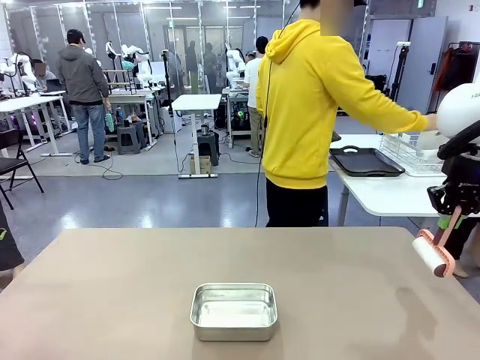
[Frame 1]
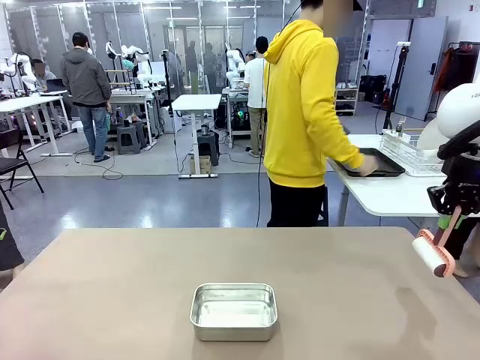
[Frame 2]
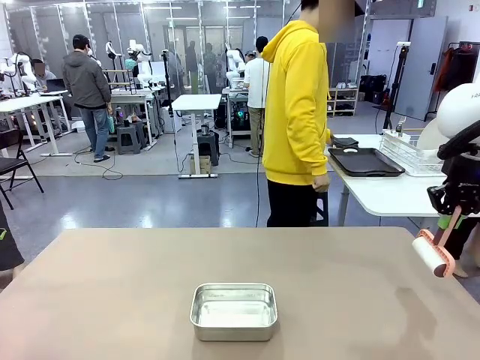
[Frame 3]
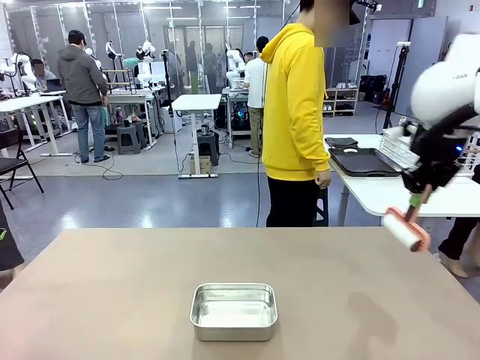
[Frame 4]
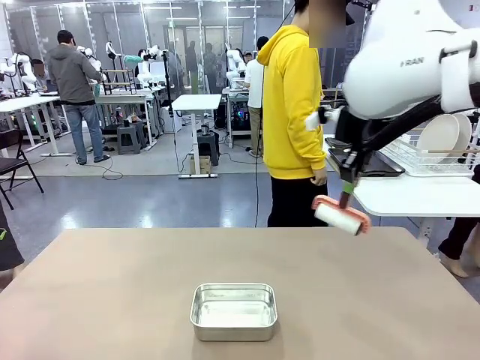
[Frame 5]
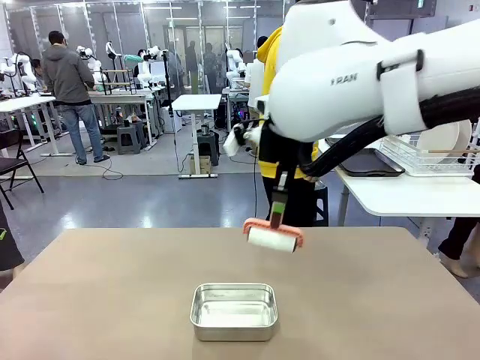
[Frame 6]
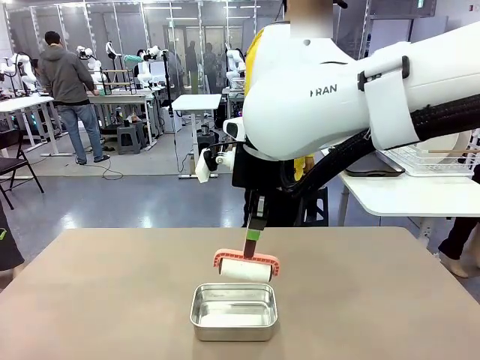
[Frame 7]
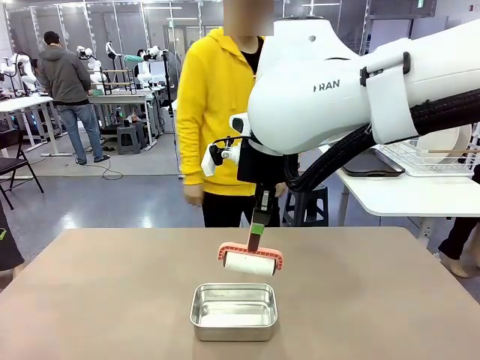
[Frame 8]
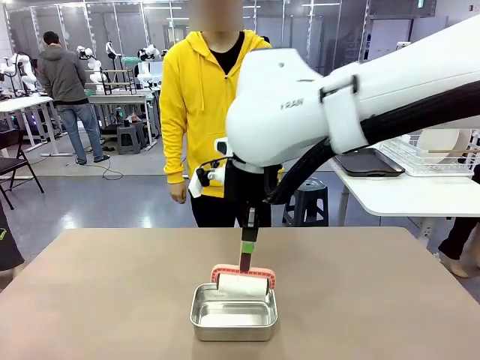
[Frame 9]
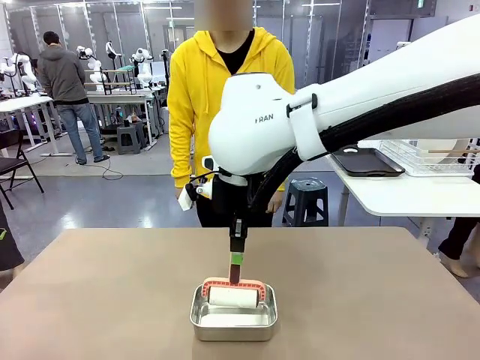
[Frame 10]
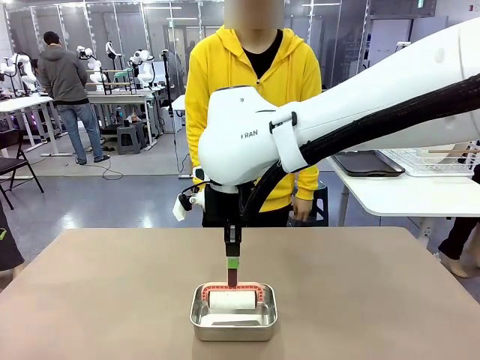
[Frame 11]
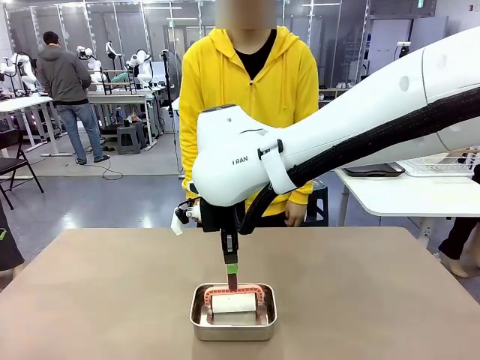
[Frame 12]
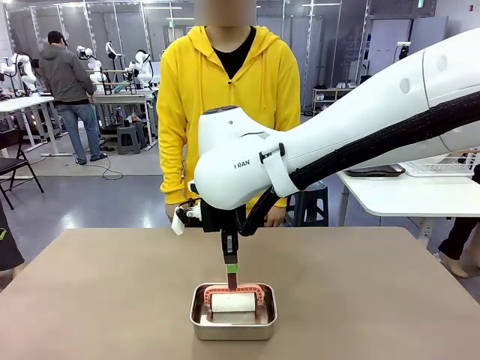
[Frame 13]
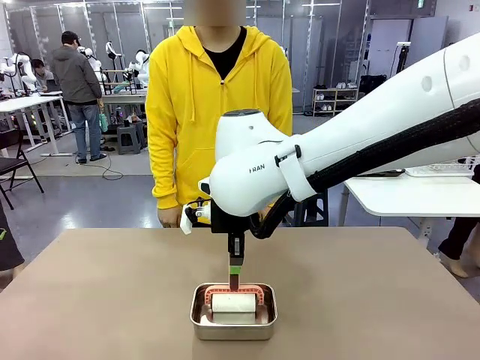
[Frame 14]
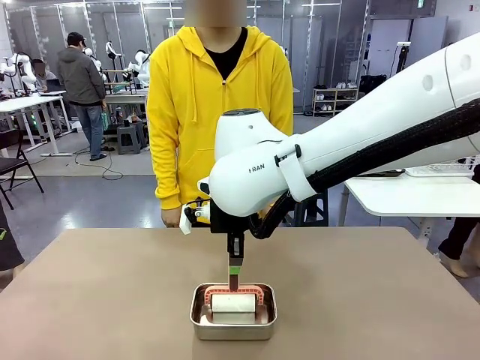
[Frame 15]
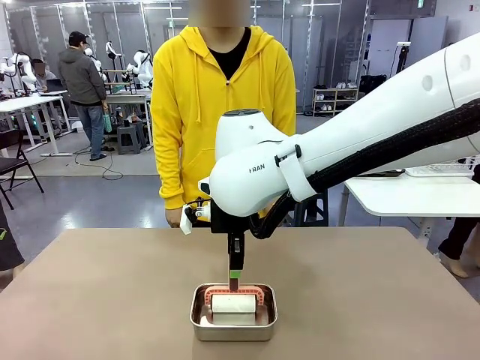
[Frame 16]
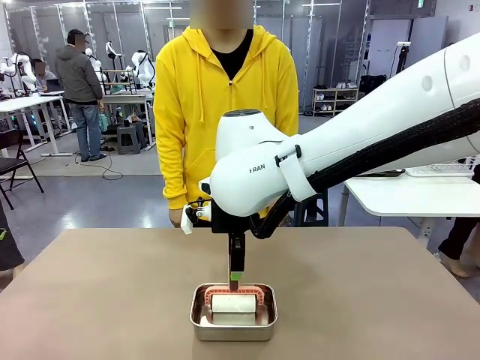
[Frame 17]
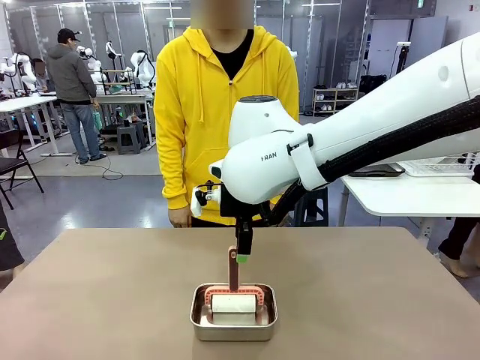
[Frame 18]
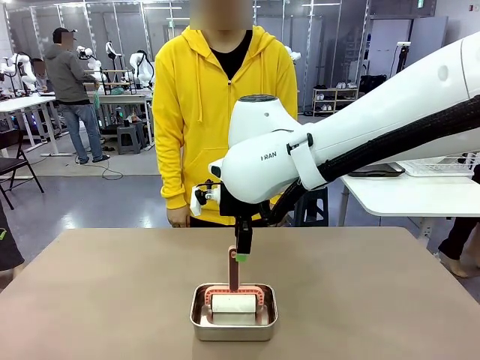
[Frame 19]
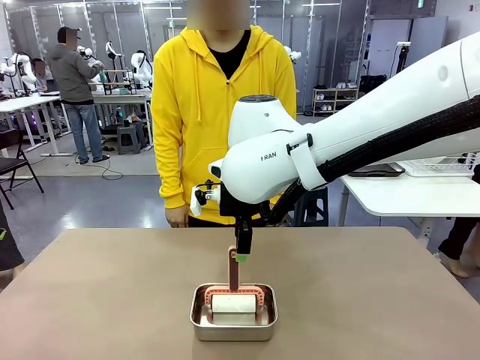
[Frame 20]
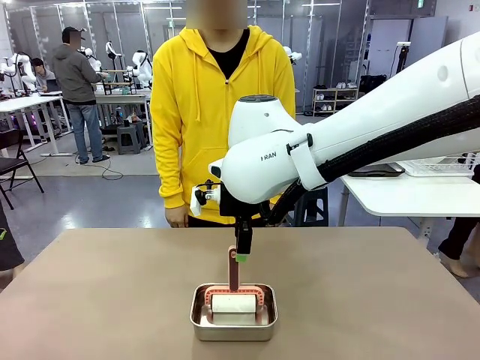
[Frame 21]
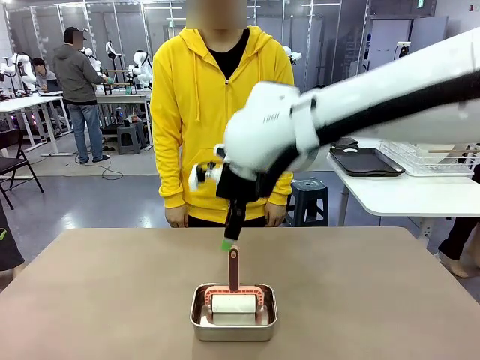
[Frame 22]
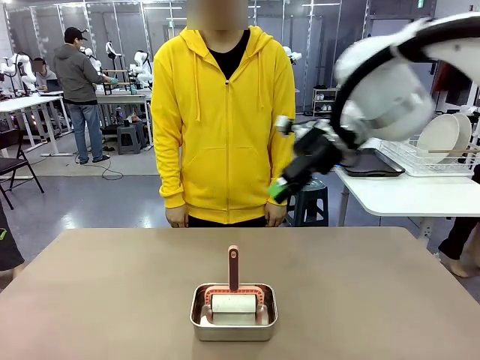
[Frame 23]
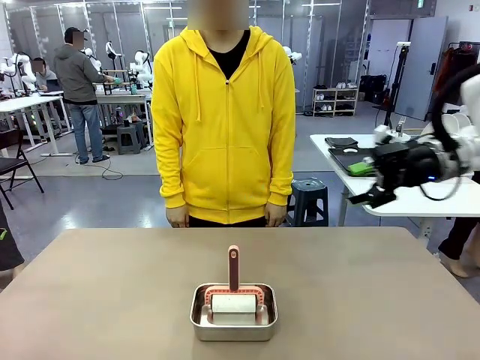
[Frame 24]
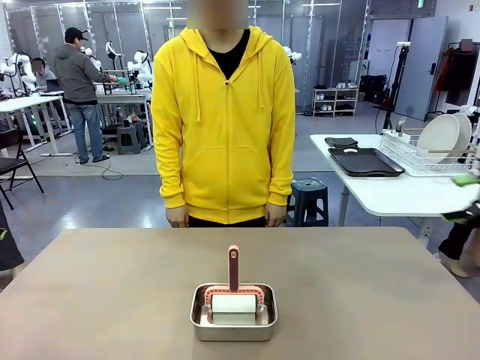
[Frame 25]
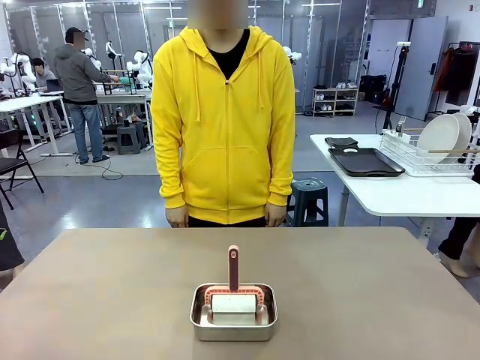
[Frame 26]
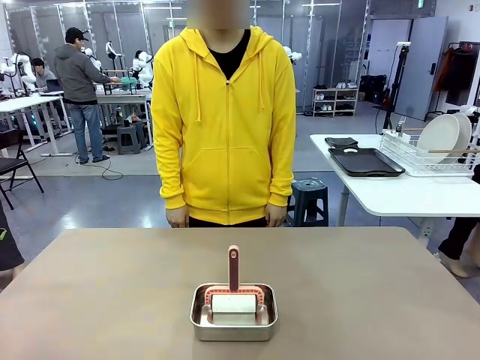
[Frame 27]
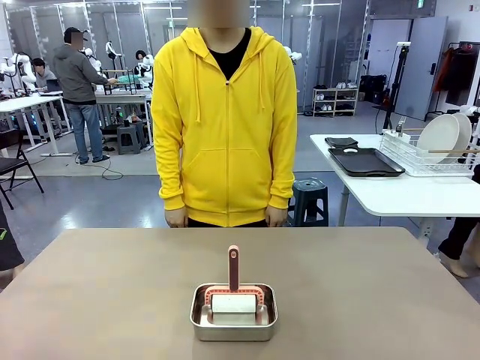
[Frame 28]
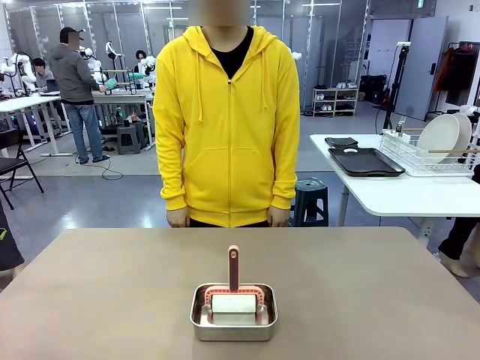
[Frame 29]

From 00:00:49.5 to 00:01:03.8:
Robot: Place the Lint Roller back on top of the Airtight Container.

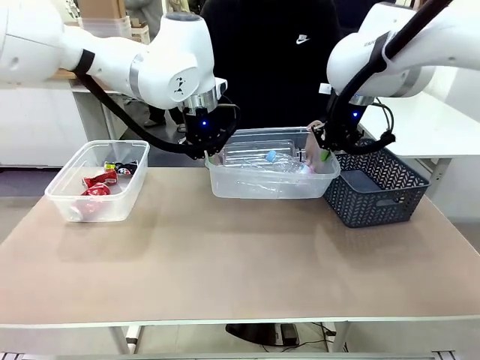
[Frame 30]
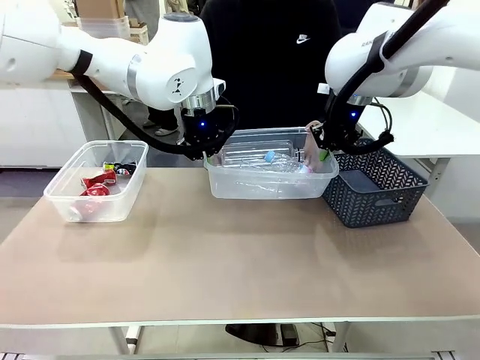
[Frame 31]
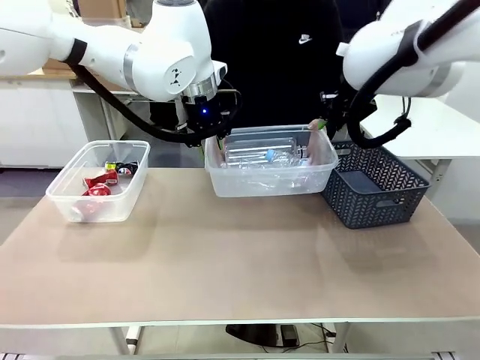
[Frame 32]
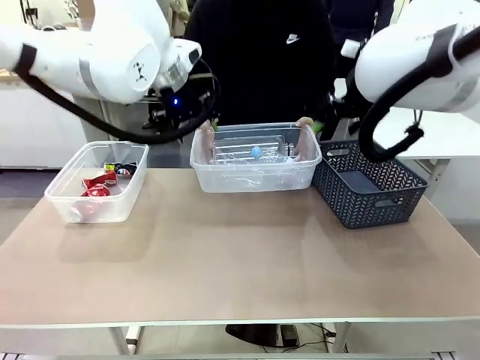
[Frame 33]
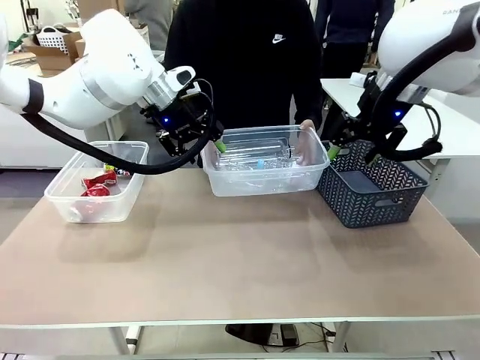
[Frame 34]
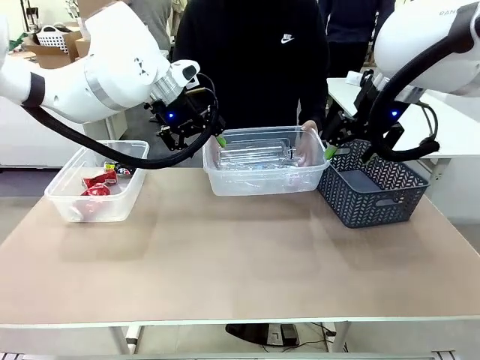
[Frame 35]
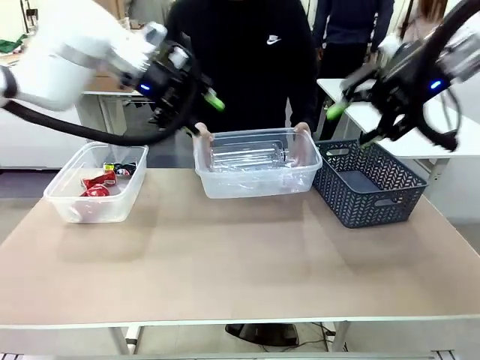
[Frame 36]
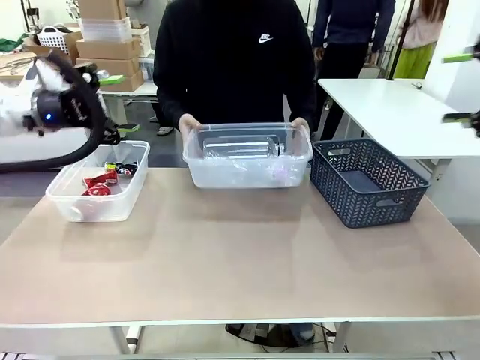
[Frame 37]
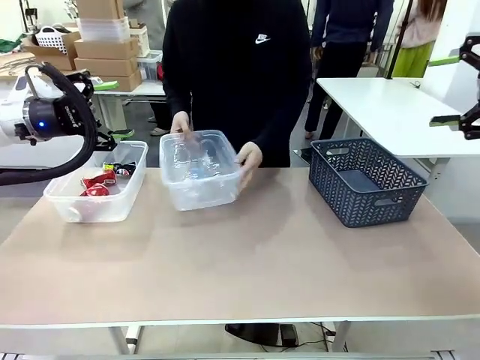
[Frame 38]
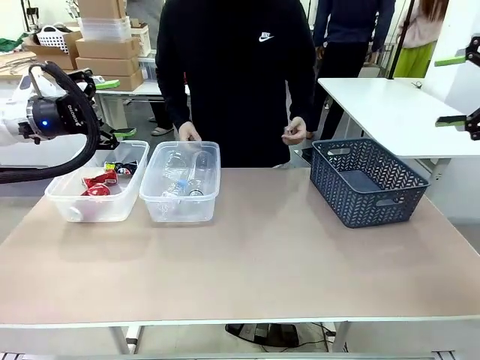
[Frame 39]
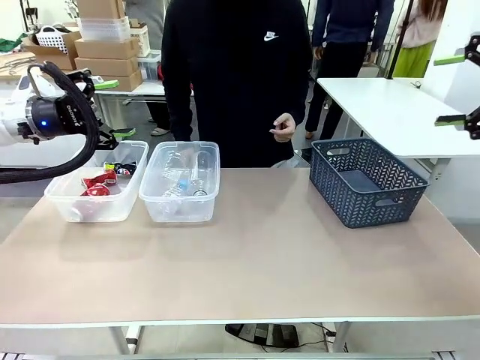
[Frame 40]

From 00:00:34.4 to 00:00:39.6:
Robot: Release the Organizing box you were holding.
Person: Pick up the organizing box extended by the robot. Place the organizing box to the left of the sorting box containing the can waste.
